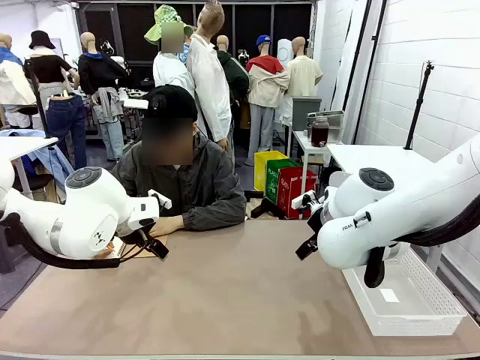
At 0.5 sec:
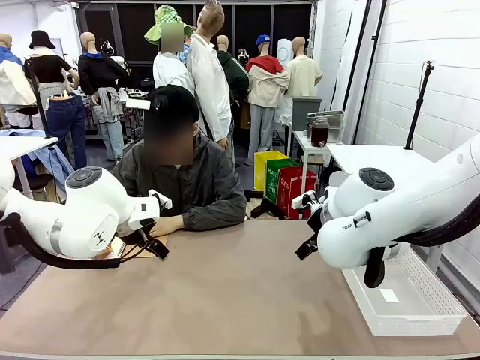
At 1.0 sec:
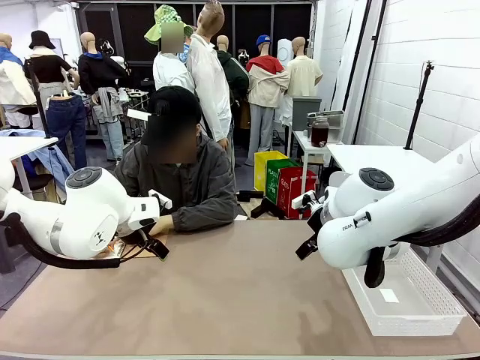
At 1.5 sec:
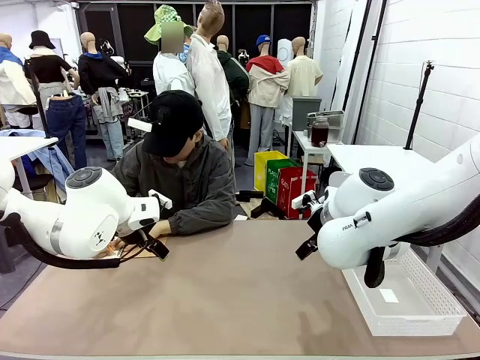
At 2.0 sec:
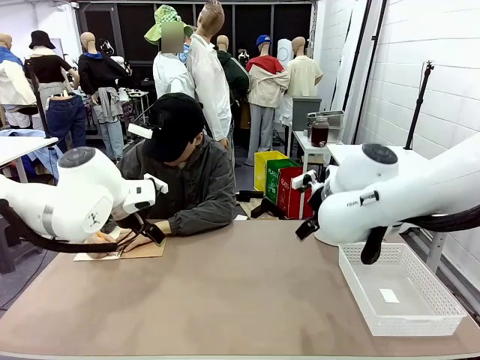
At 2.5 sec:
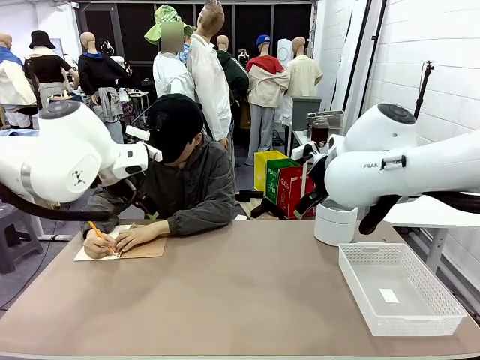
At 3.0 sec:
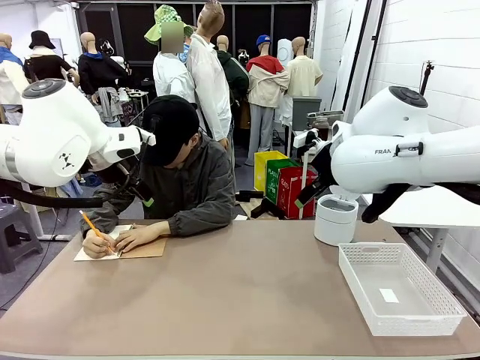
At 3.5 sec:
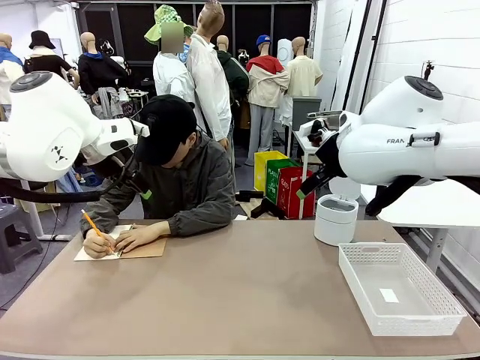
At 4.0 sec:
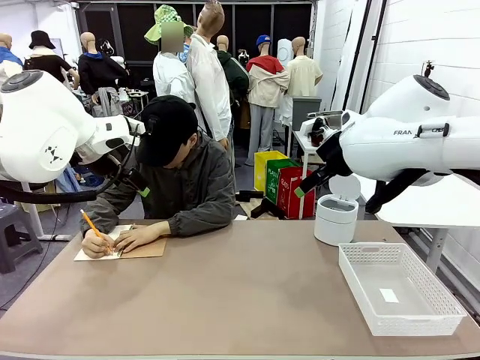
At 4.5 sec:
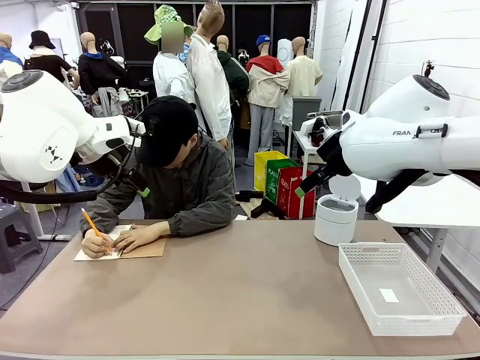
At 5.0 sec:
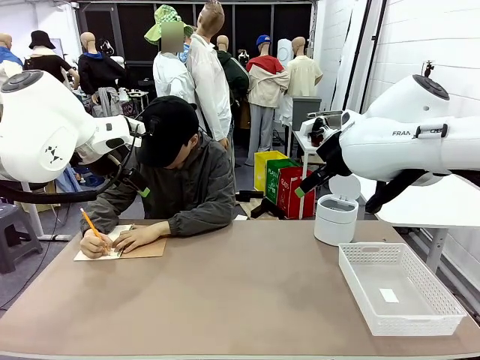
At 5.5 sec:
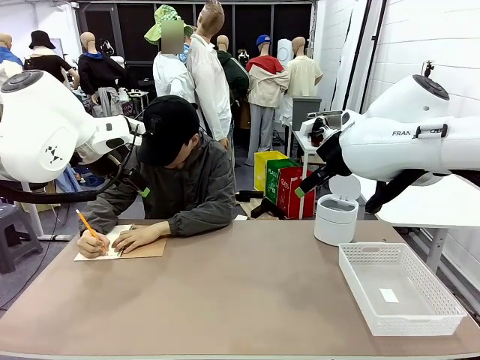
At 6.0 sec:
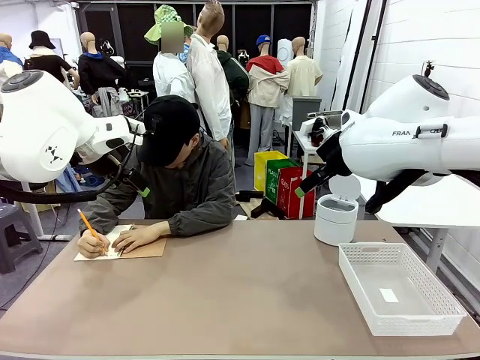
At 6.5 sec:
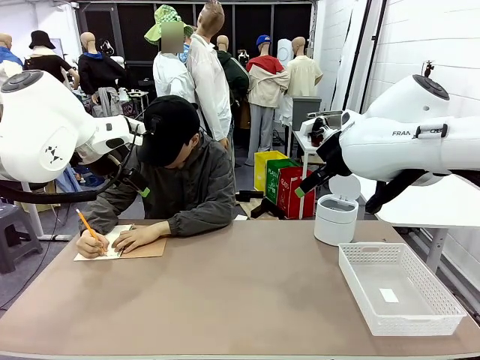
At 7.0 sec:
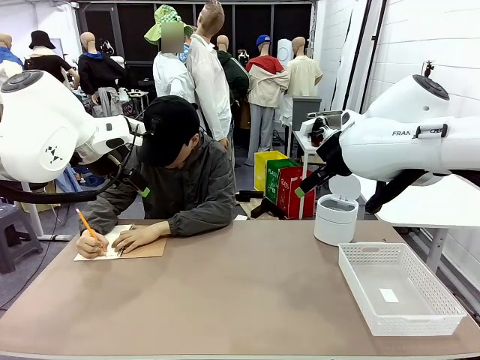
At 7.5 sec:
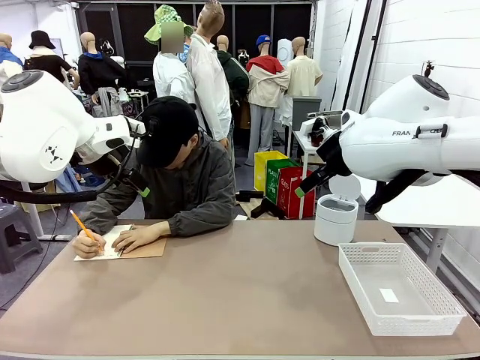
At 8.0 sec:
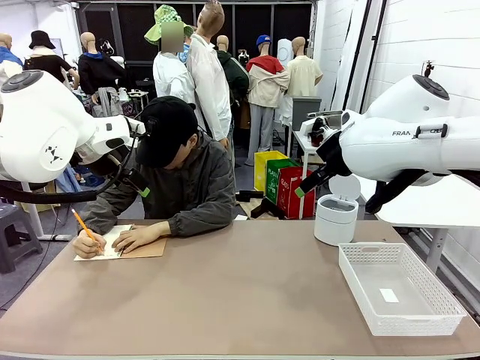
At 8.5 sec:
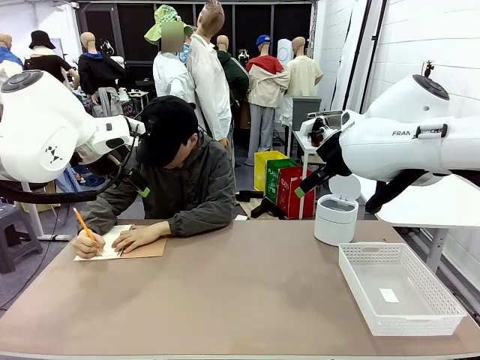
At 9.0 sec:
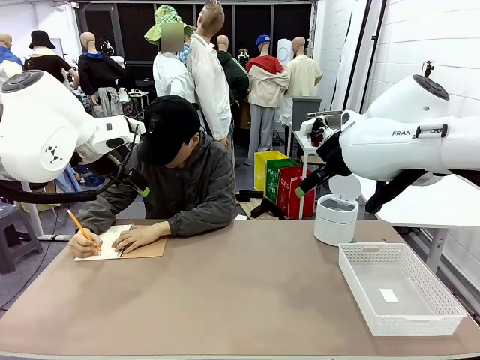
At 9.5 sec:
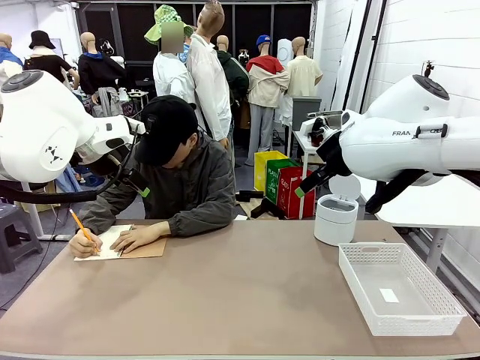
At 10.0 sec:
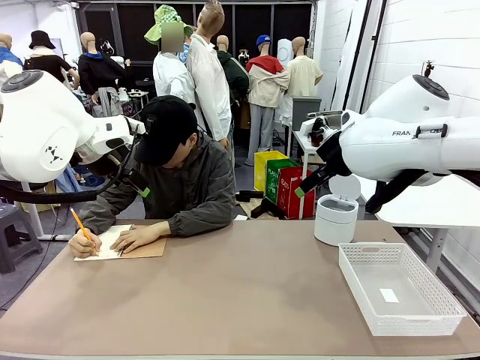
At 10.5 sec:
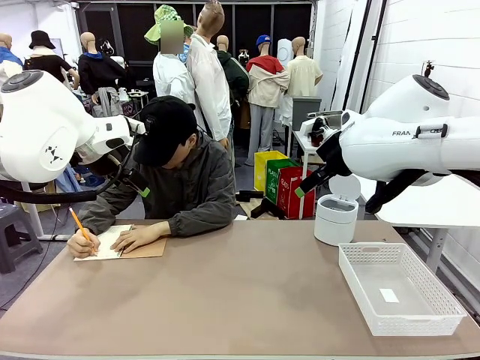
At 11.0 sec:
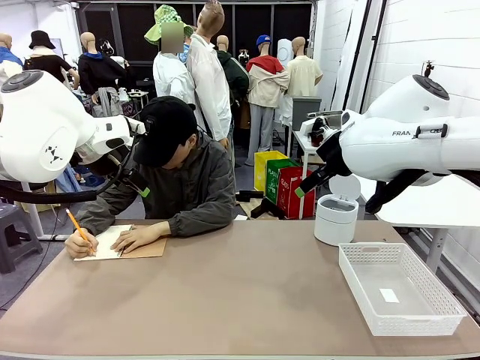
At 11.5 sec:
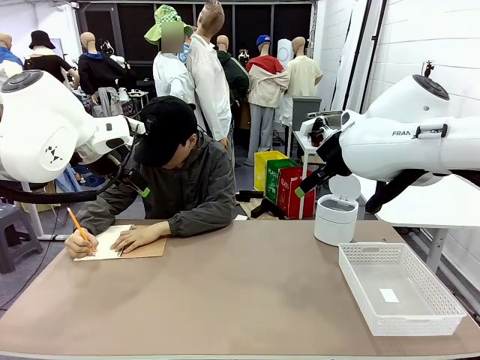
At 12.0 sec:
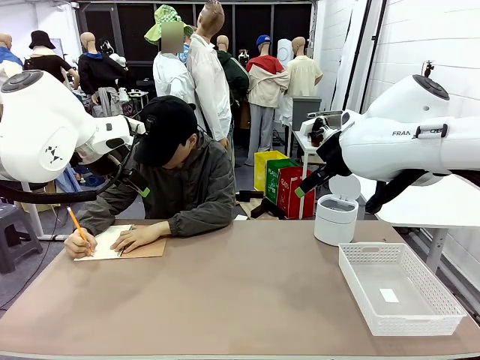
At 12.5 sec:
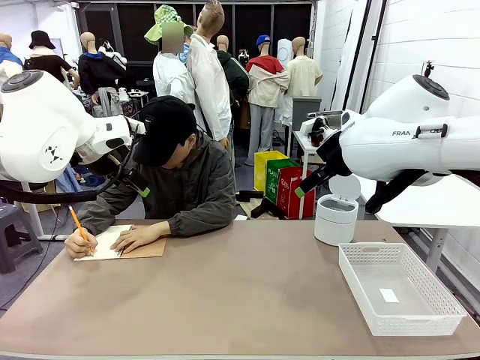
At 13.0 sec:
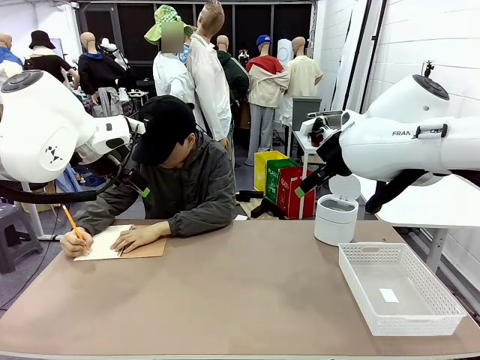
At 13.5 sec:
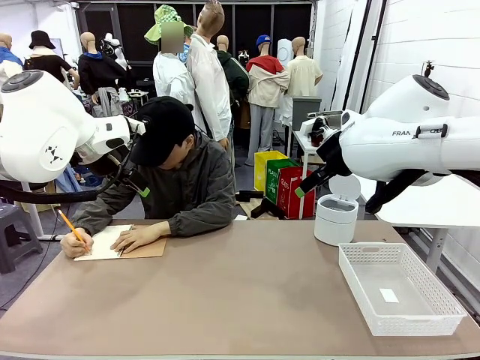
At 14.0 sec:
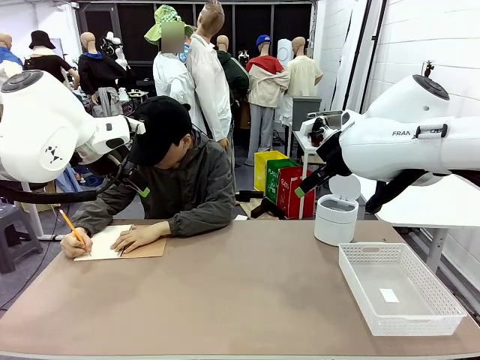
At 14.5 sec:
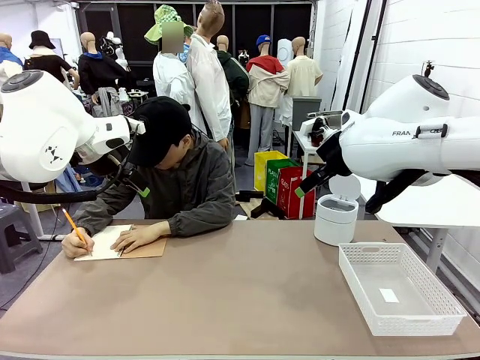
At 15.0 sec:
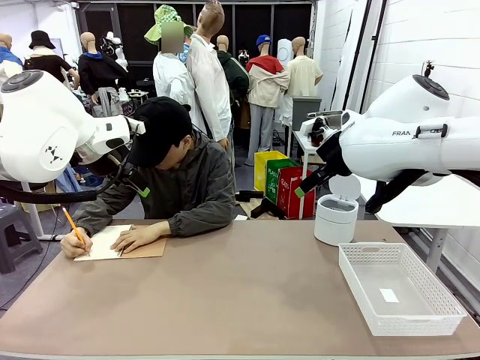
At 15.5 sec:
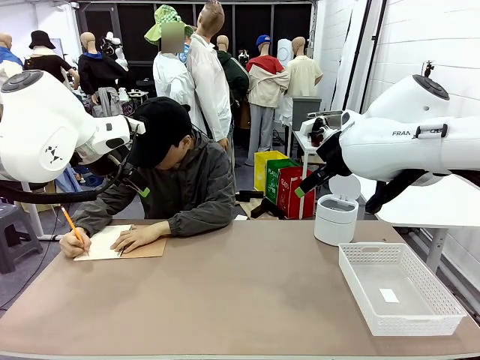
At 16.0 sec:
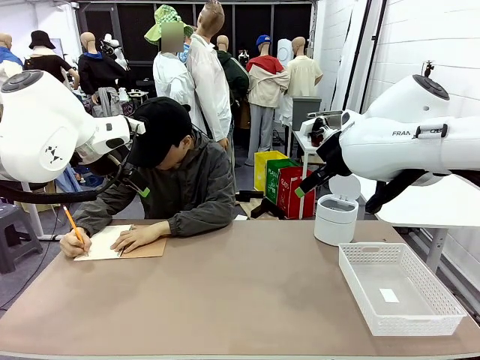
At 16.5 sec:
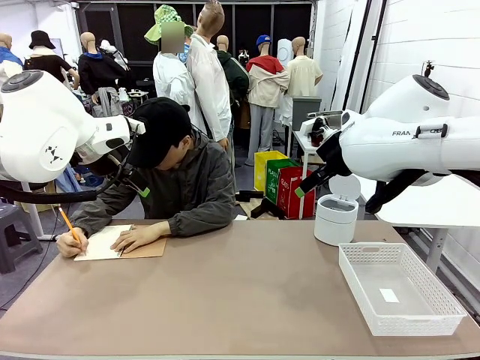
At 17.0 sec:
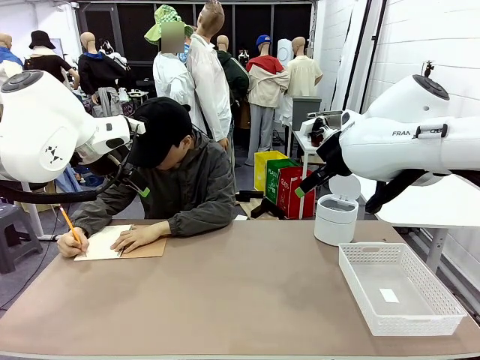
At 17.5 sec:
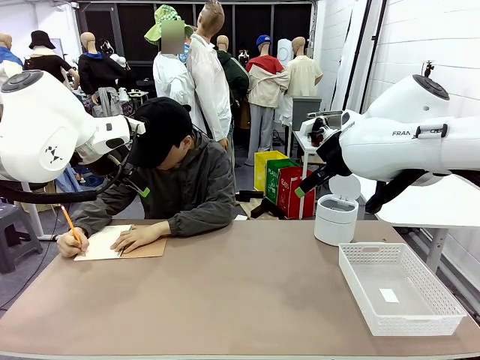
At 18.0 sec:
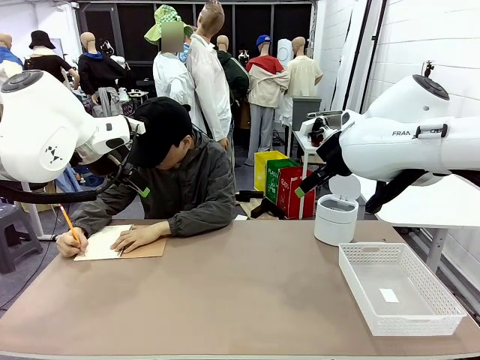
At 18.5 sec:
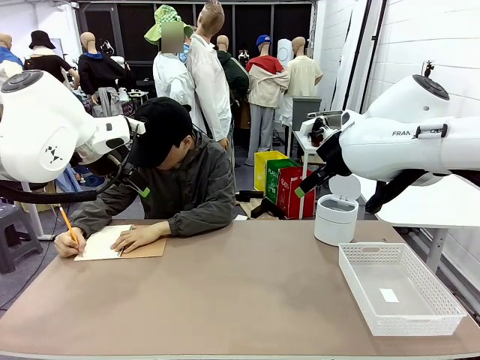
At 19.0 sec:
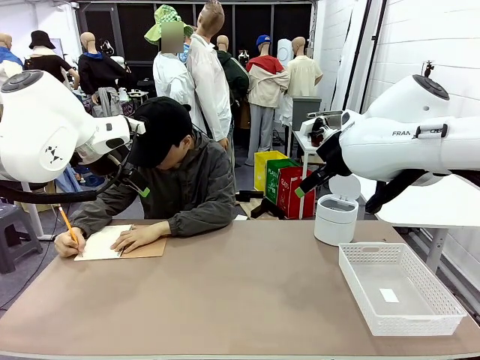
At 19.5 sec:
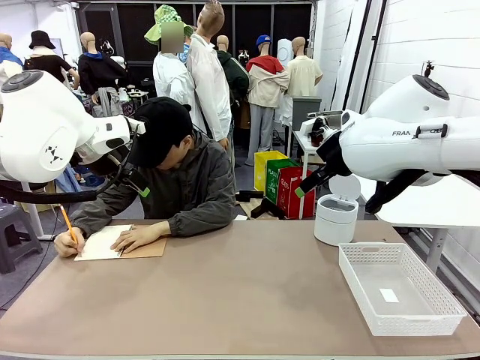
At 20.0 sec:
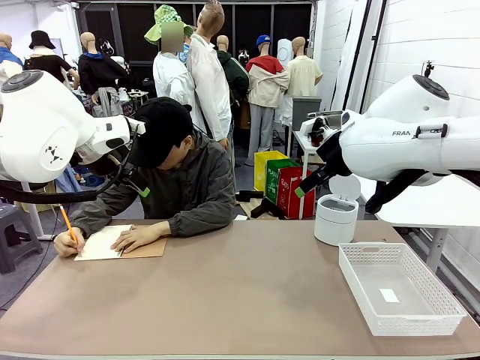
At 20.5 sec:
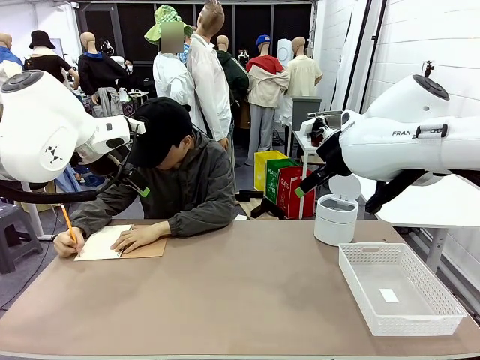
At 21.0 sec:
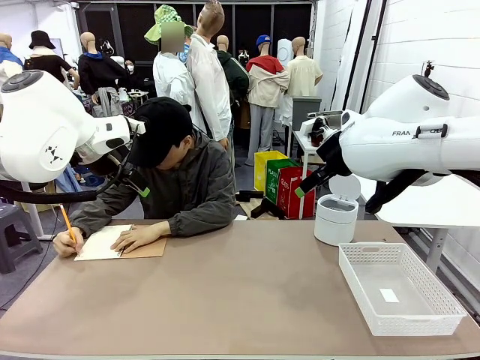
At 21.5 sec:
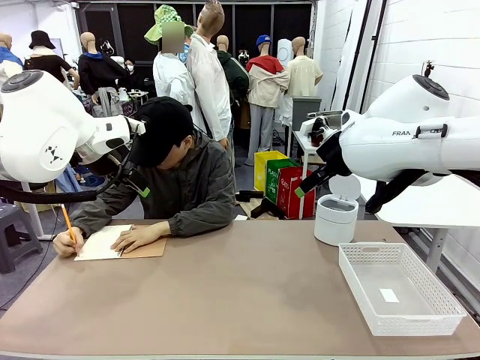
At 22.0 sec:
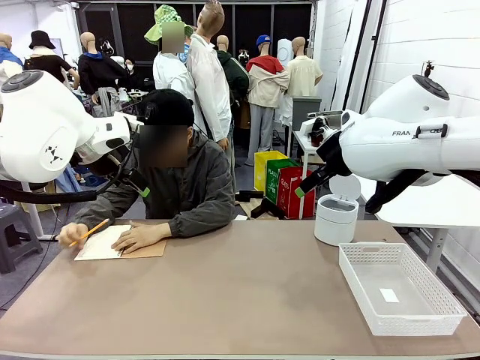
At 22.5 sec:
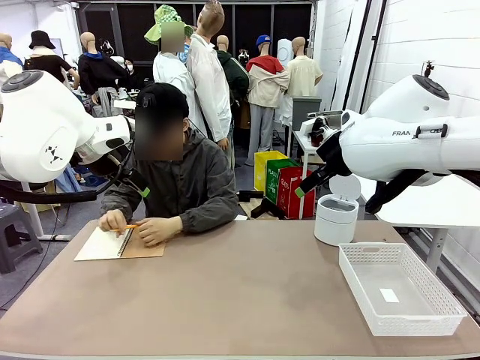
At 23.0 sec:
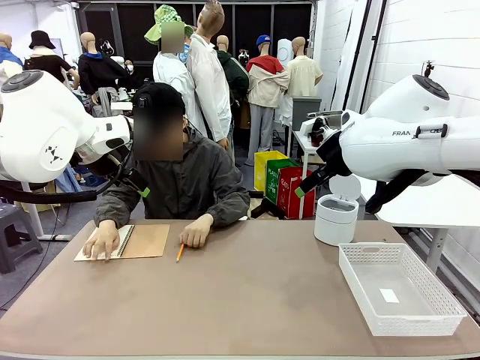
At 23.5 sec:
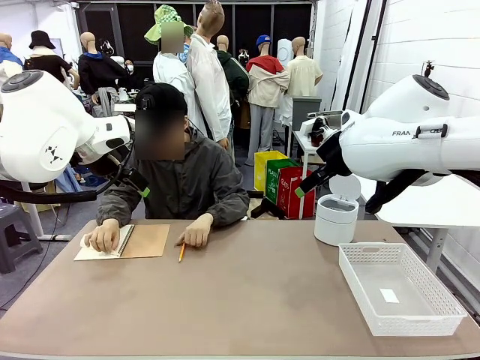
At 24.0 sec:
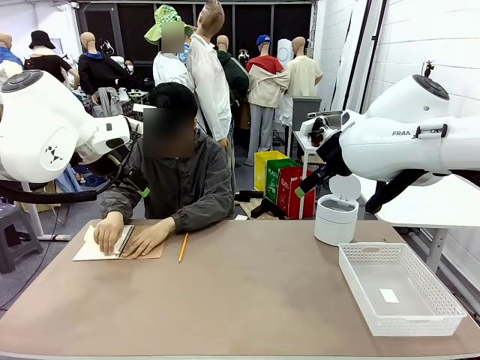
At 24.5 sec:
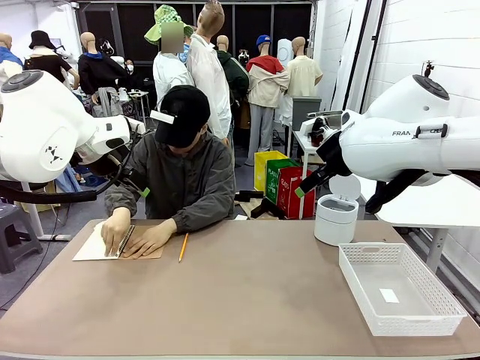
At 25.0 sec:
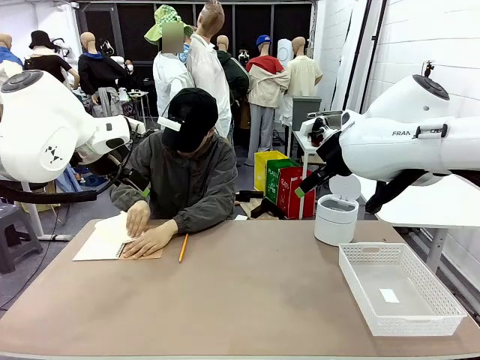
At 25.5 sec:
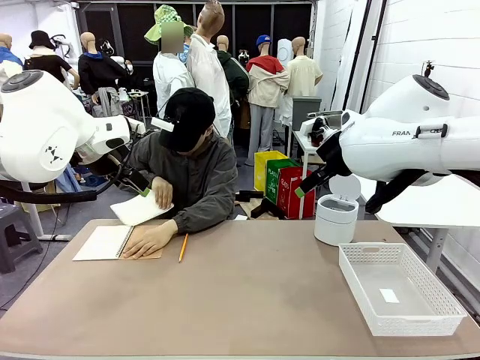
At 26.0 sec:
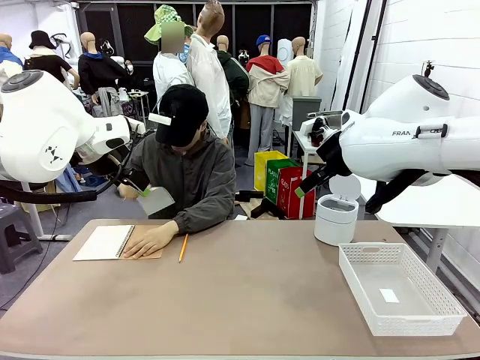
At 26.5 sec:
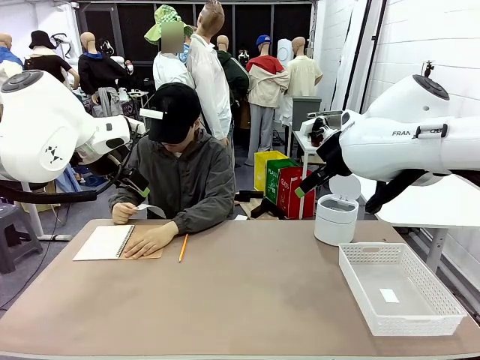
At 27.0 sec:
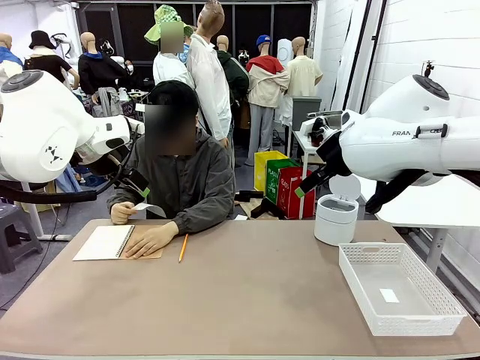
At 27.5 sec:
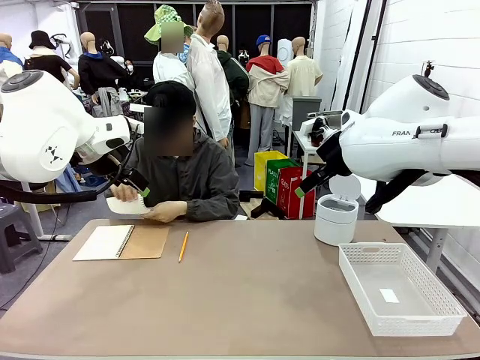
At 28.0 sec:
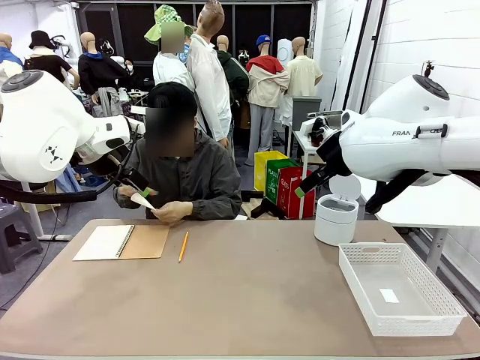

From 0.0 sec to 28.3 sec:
Task: Sort the paper based on its condition.
Robot: If a person hands you a paper, place it in the Organizing basket , and if it's crumpled, put it in the Trash can.
Person: Tear out a page from the spiral notebook.
